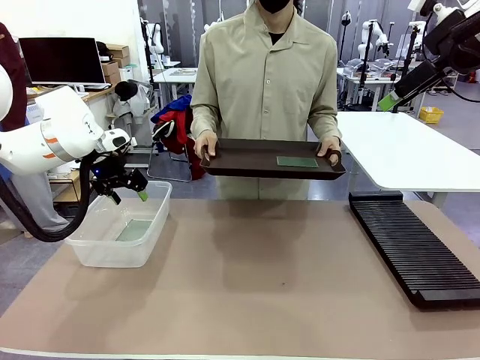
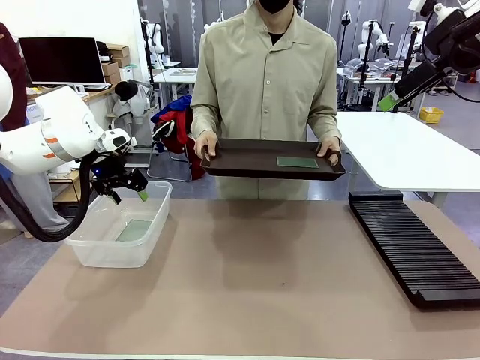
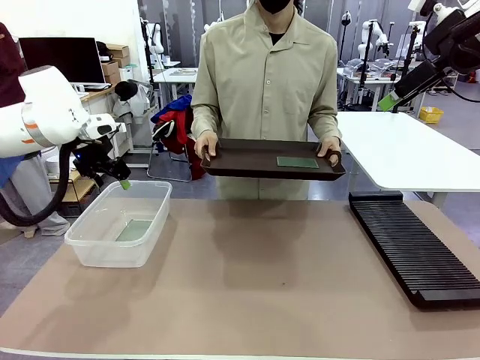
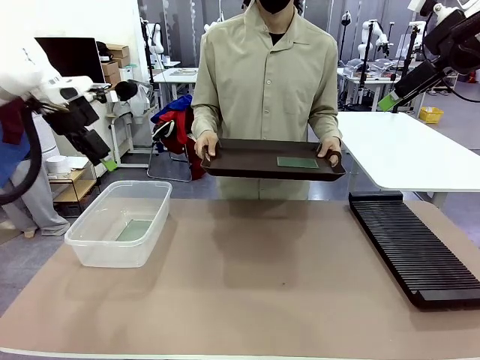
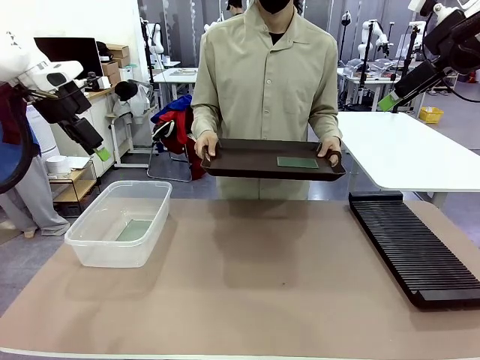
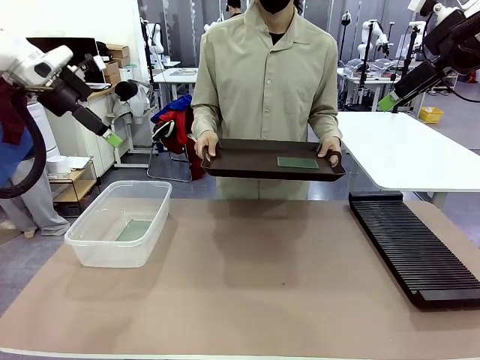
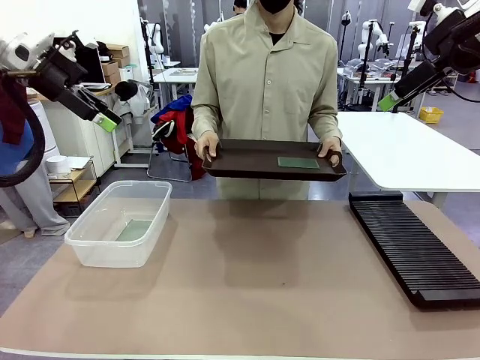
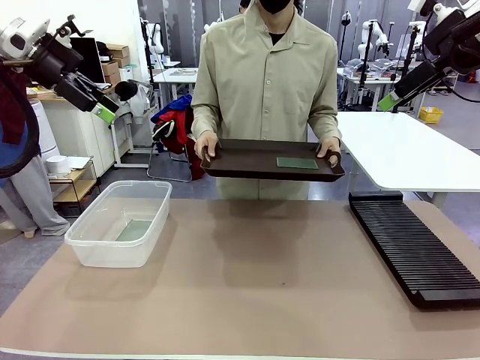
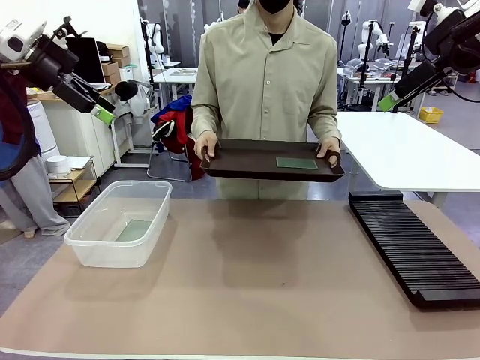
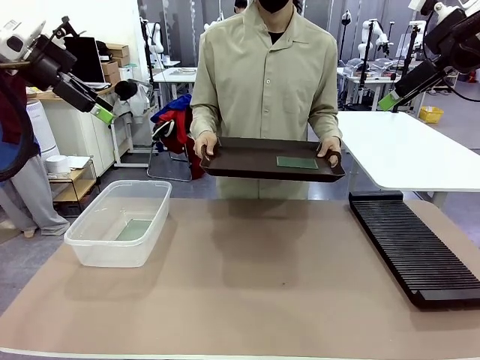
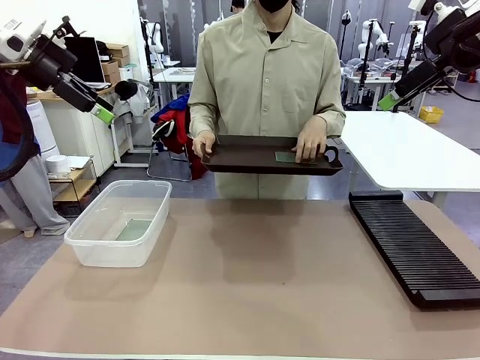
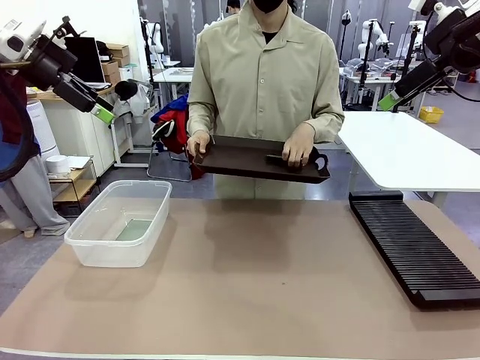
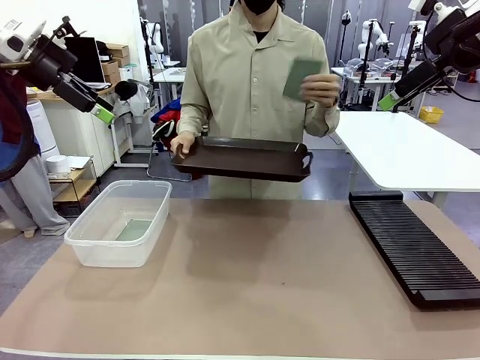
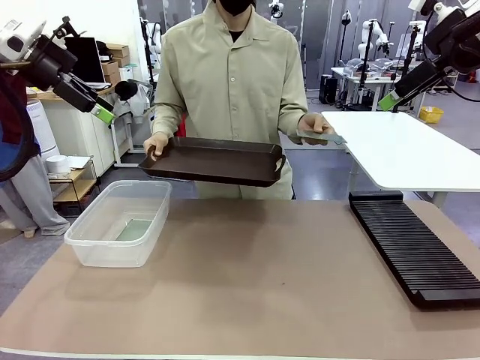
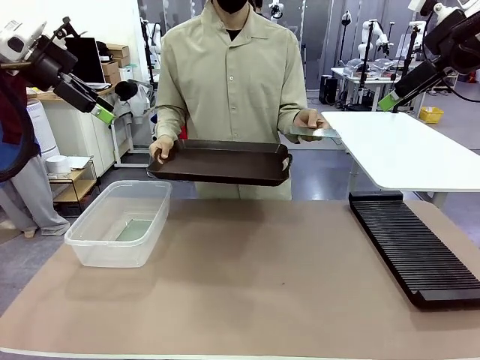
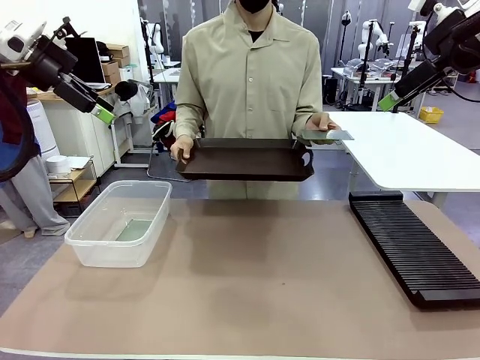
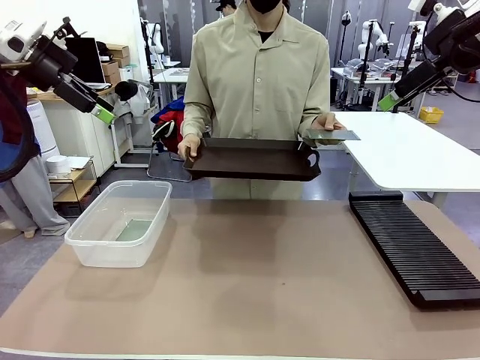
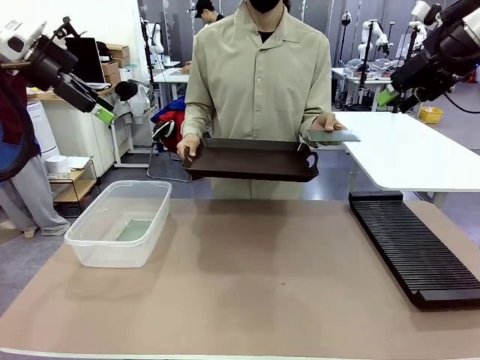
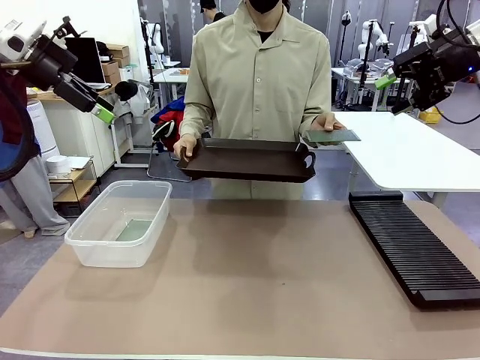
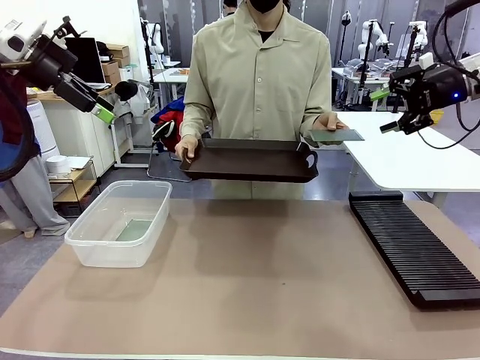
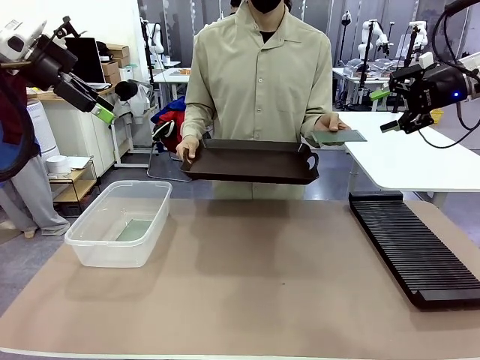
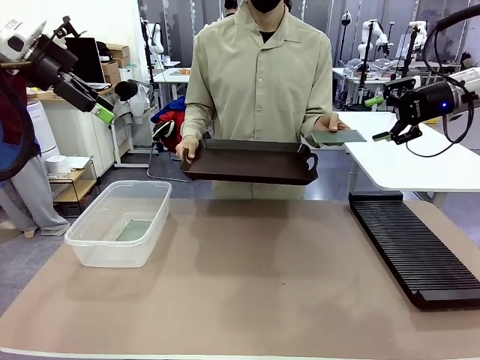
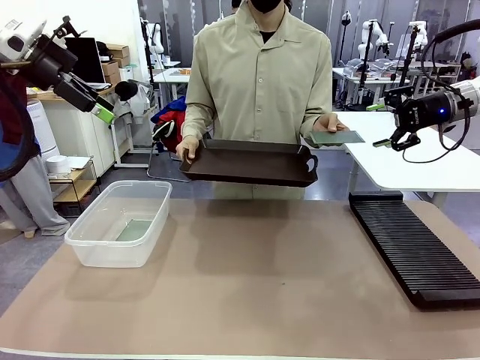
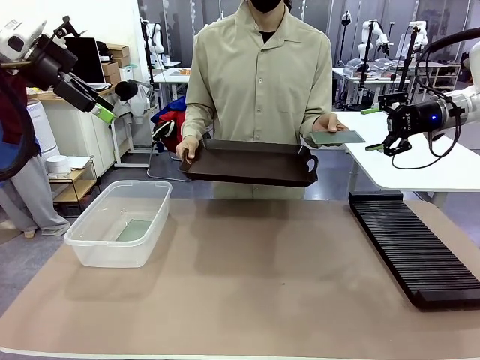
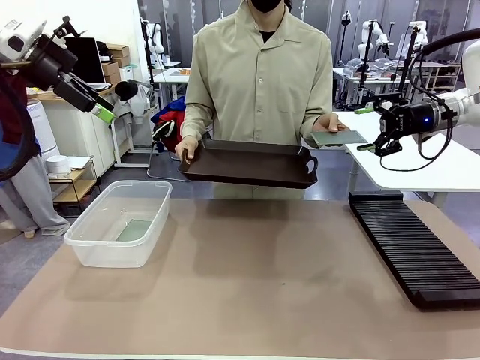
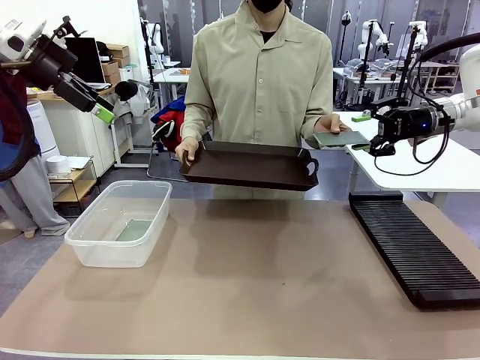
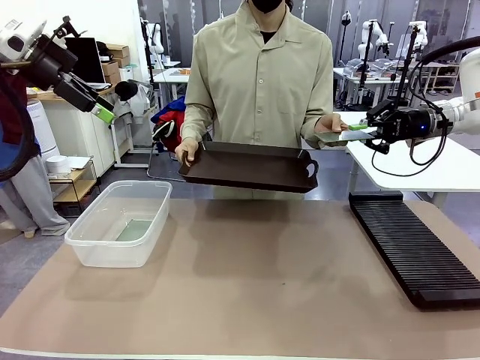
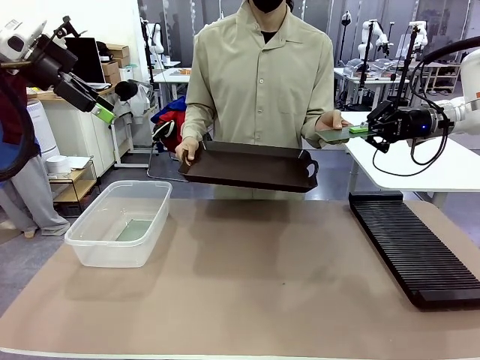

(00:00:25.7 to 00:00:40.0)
Task: Sort PCBs into racks and boxes based on the side picked up.
Robot: Pick up the Blank PCB handed by the Human.

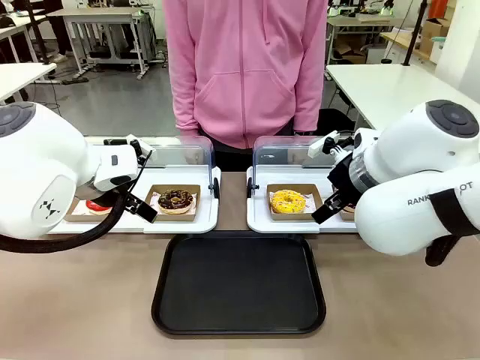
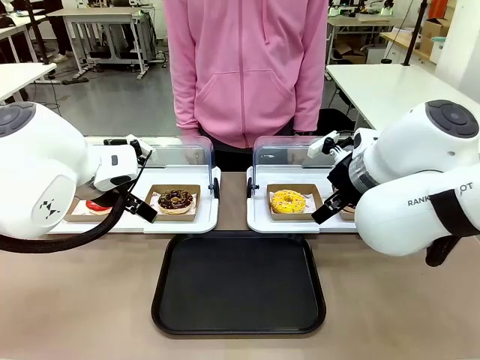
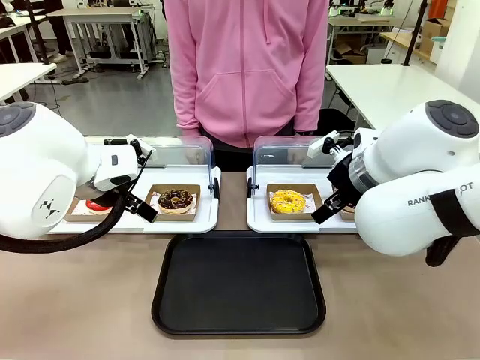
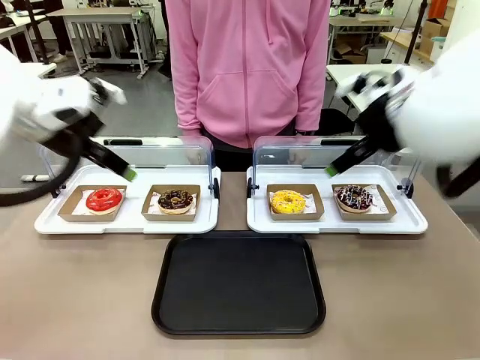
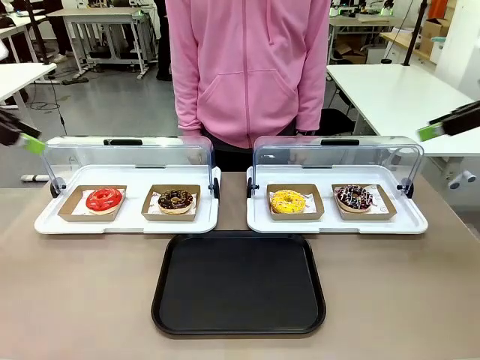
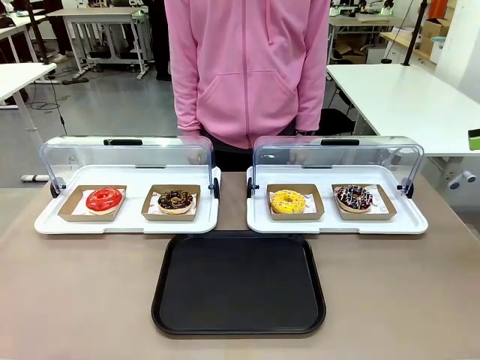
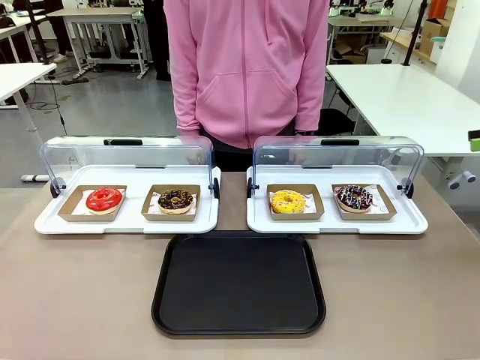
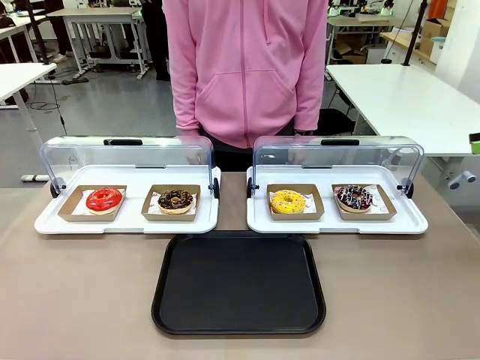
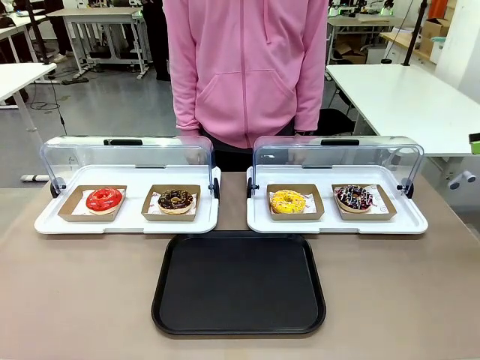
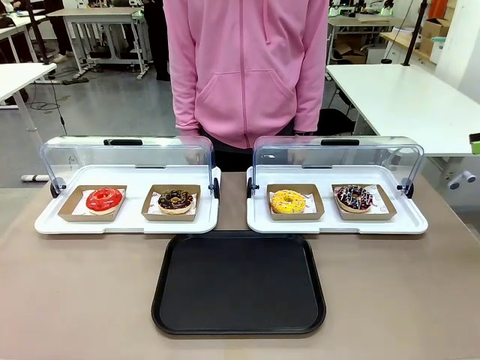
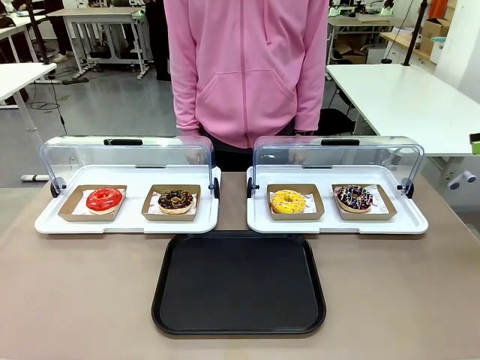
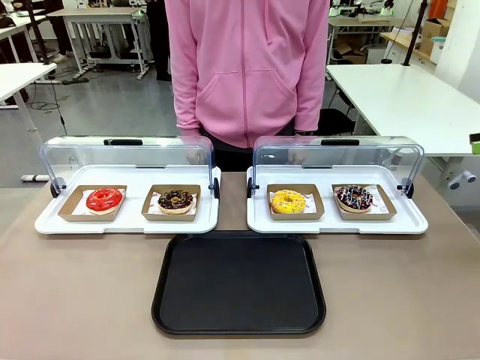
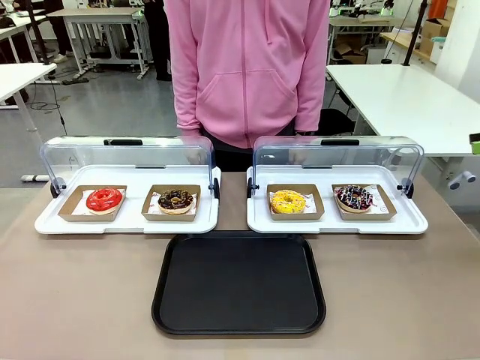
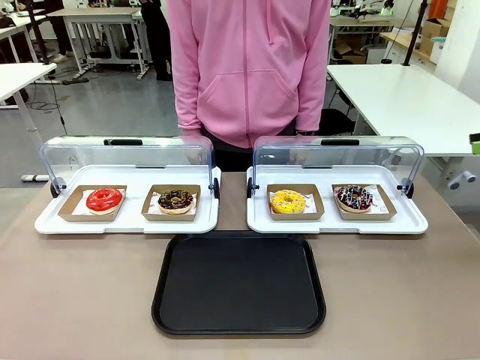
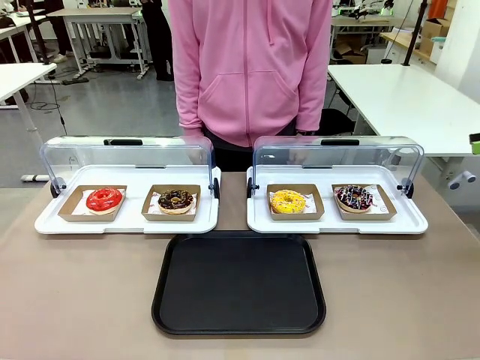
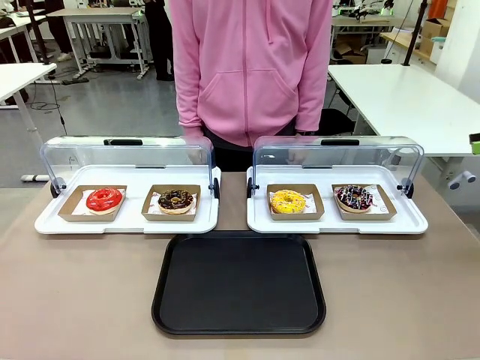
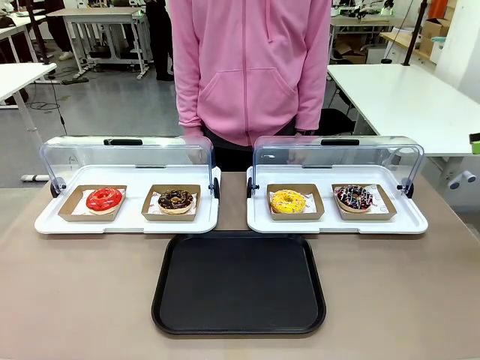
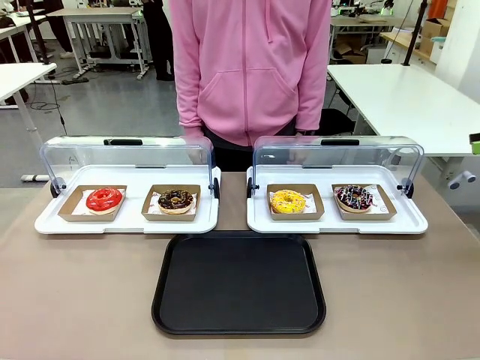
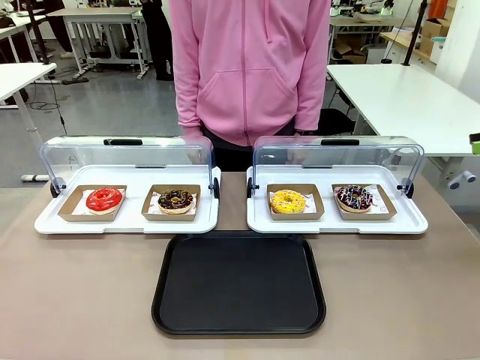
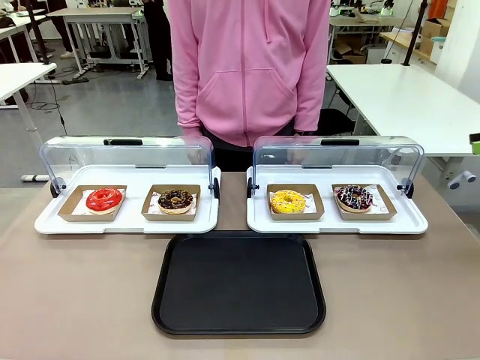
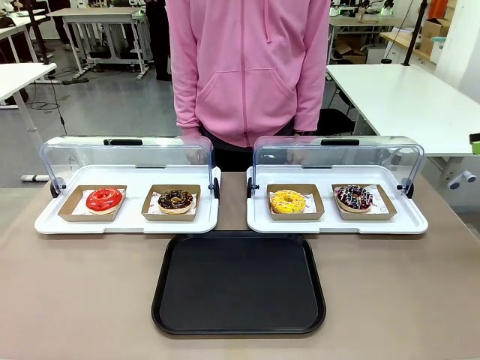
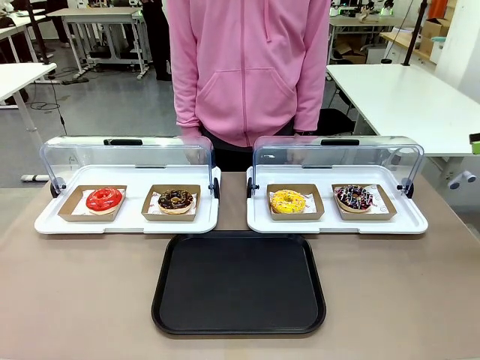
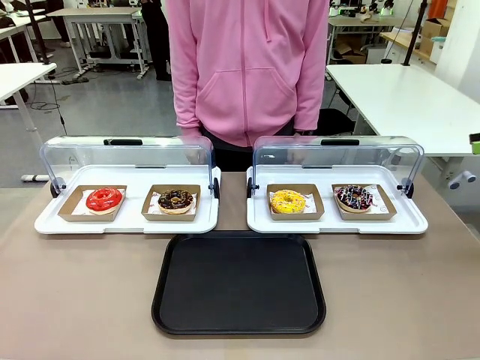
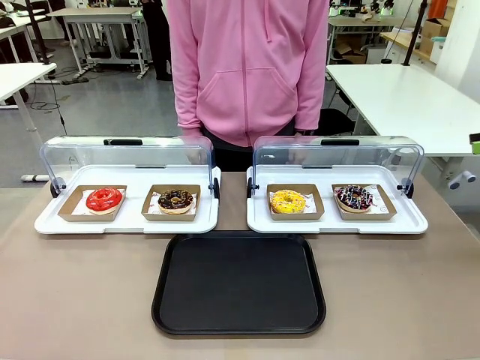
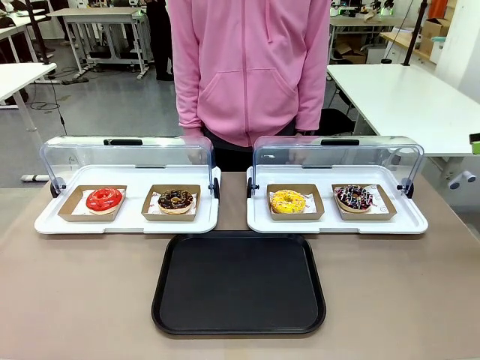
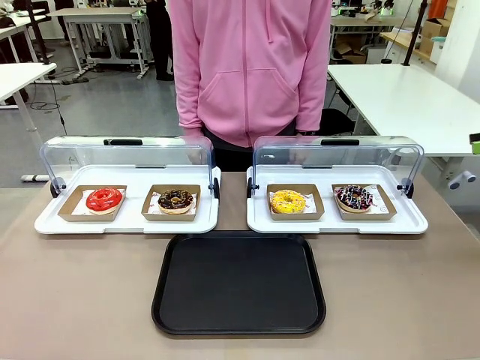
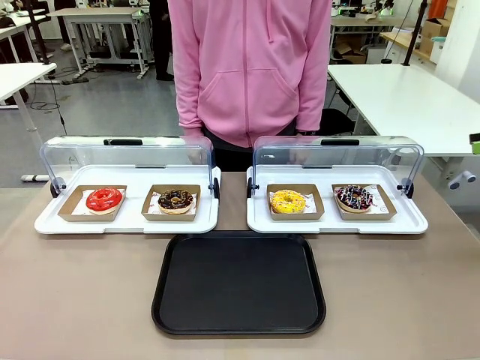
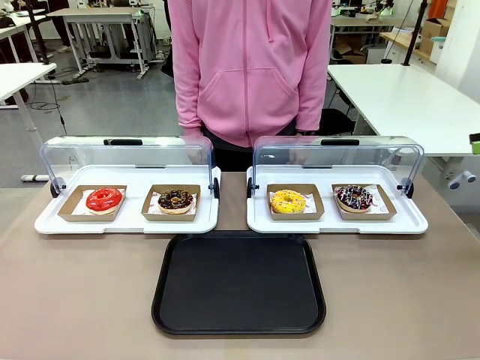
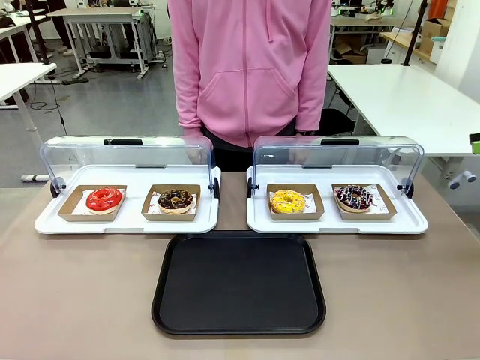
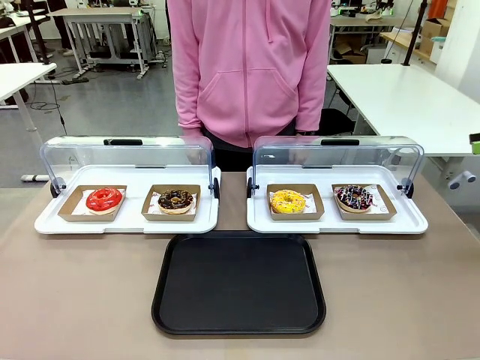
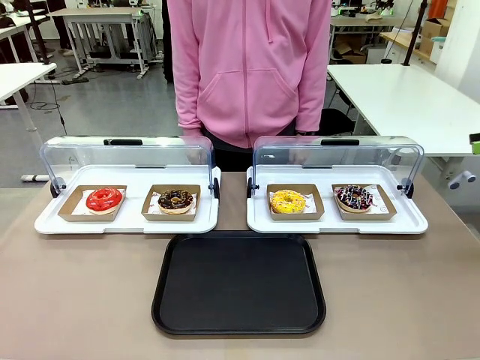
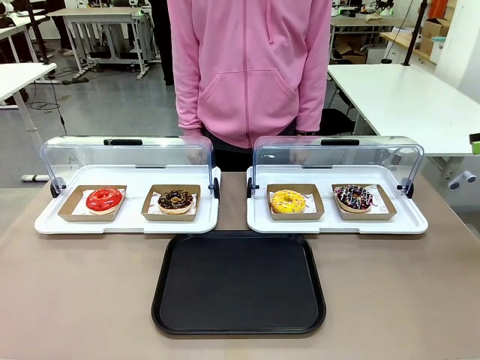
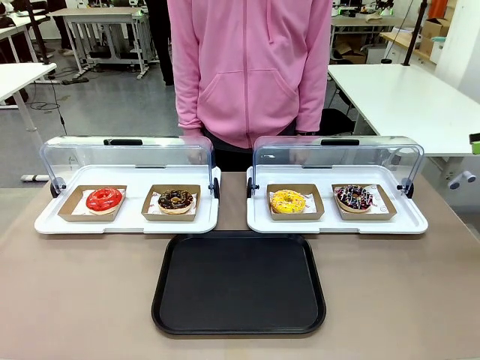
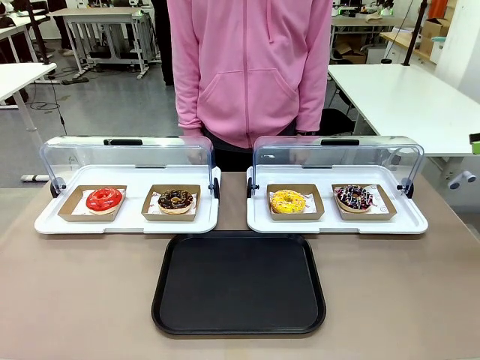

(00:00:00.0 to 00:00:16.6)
Task: Move the fourth donut from the left to the tray.
Robot: Pick up the Paper togo box containing the Donut indicated by the person and place it on the Handle tray.
